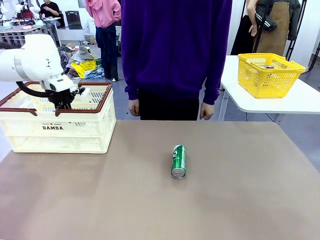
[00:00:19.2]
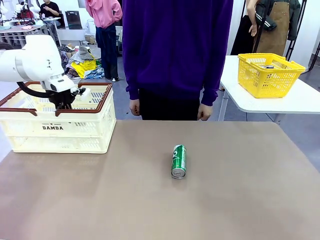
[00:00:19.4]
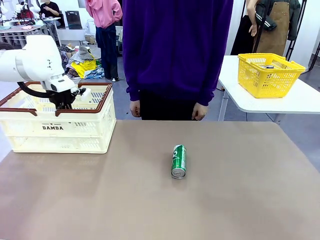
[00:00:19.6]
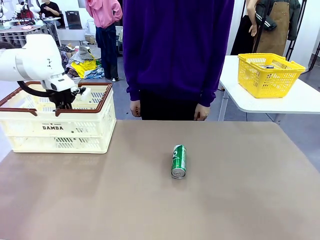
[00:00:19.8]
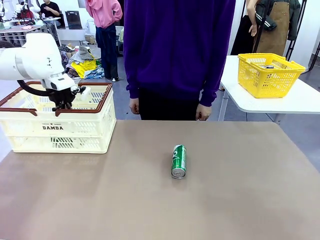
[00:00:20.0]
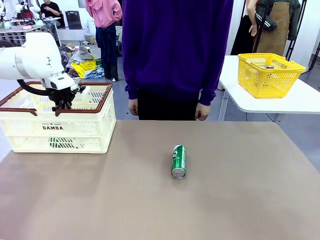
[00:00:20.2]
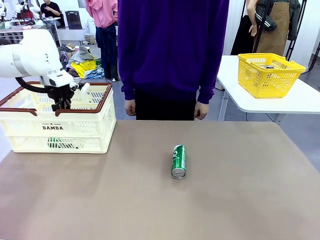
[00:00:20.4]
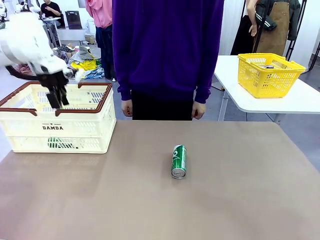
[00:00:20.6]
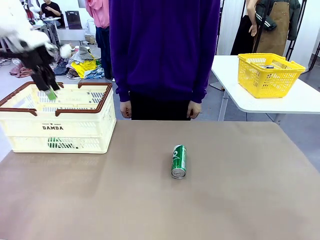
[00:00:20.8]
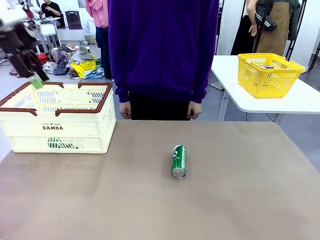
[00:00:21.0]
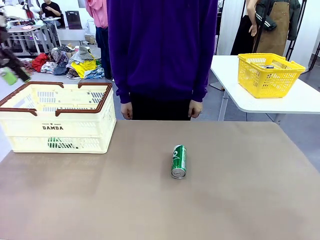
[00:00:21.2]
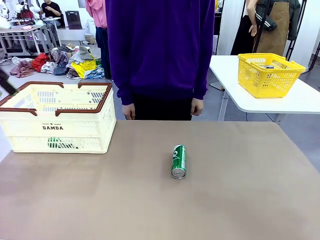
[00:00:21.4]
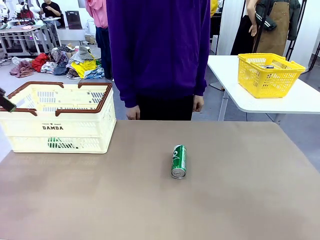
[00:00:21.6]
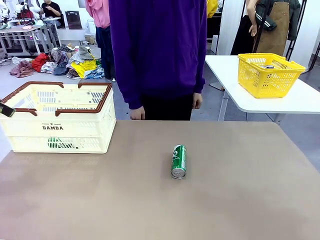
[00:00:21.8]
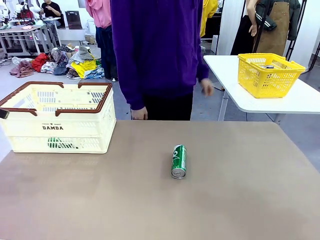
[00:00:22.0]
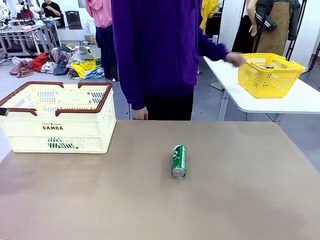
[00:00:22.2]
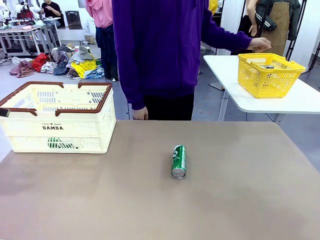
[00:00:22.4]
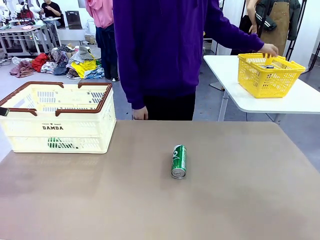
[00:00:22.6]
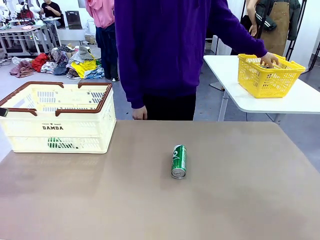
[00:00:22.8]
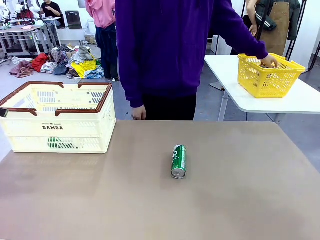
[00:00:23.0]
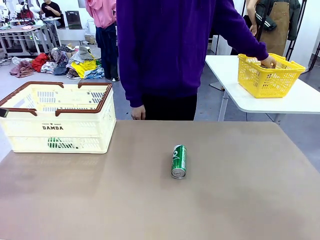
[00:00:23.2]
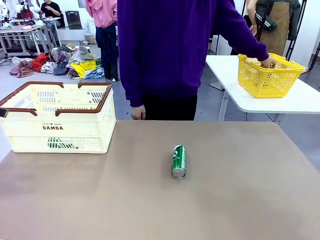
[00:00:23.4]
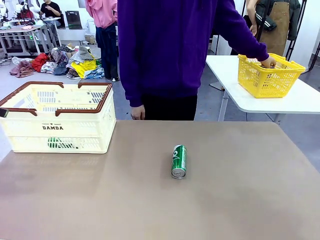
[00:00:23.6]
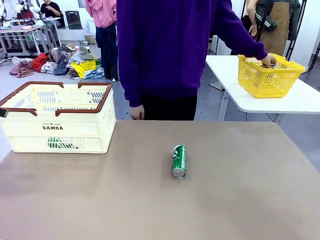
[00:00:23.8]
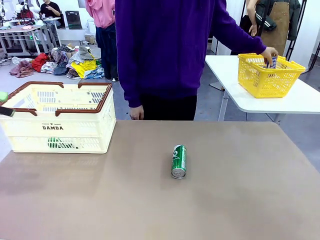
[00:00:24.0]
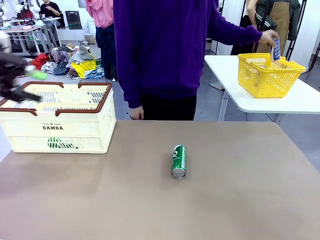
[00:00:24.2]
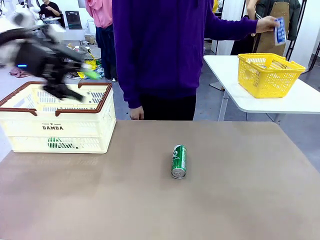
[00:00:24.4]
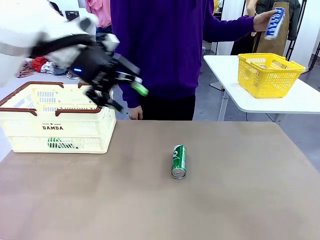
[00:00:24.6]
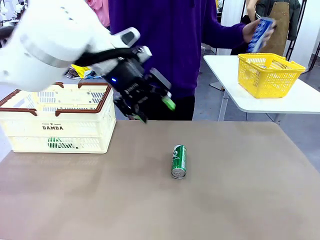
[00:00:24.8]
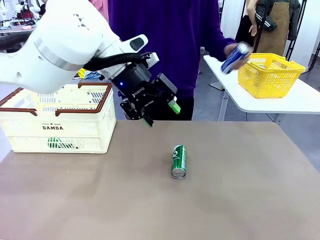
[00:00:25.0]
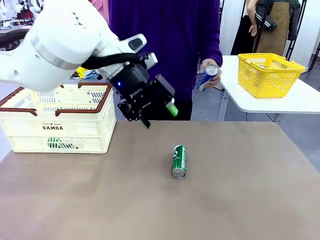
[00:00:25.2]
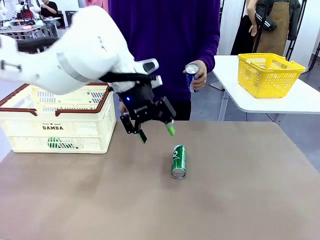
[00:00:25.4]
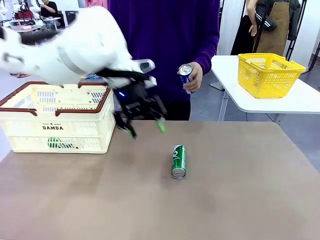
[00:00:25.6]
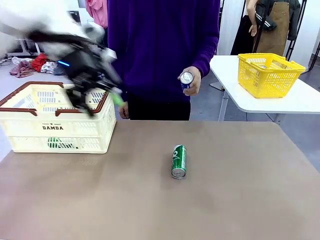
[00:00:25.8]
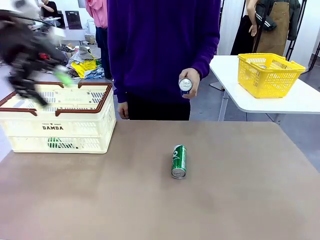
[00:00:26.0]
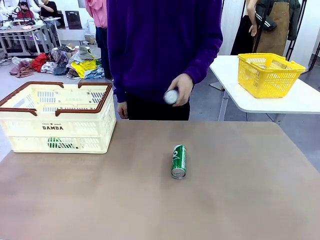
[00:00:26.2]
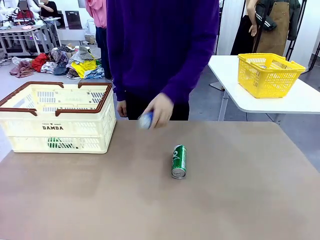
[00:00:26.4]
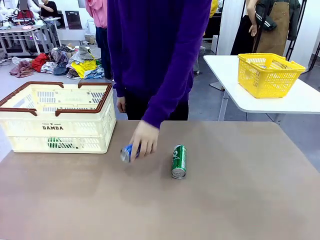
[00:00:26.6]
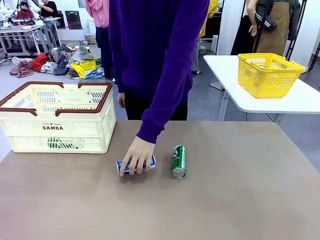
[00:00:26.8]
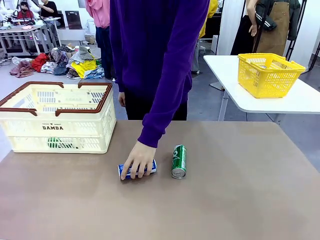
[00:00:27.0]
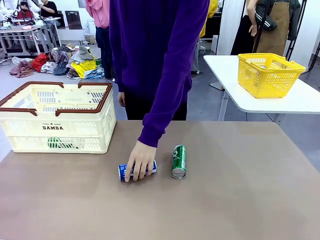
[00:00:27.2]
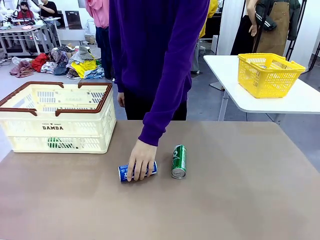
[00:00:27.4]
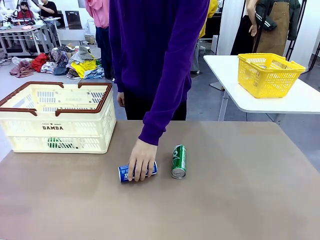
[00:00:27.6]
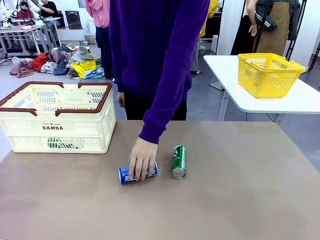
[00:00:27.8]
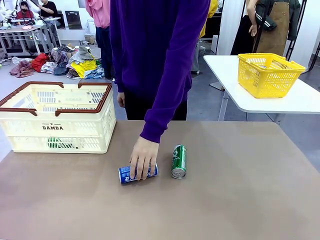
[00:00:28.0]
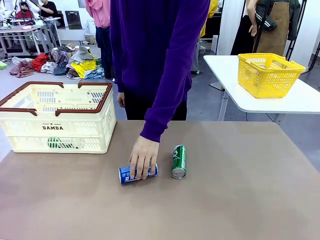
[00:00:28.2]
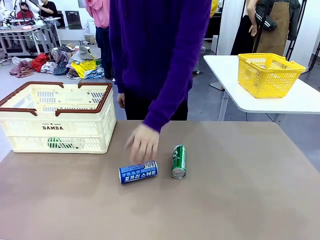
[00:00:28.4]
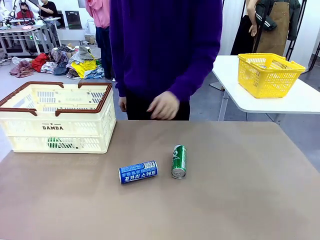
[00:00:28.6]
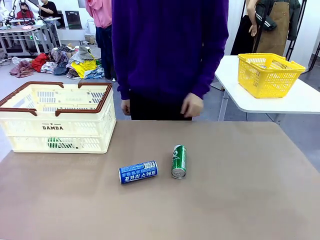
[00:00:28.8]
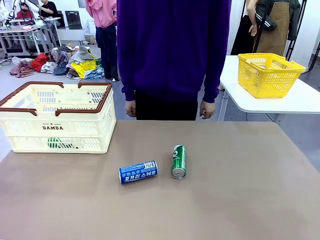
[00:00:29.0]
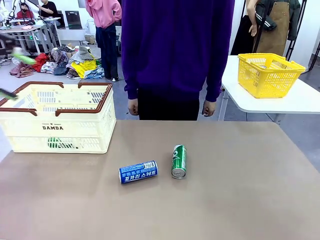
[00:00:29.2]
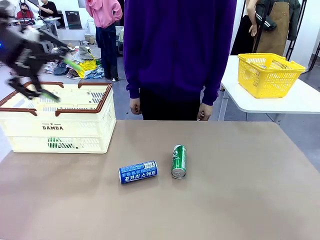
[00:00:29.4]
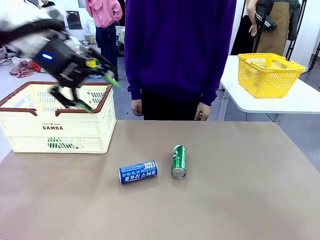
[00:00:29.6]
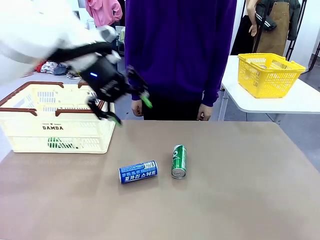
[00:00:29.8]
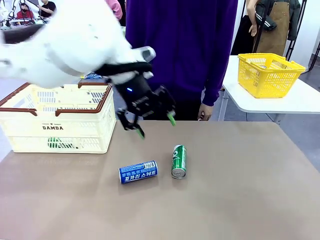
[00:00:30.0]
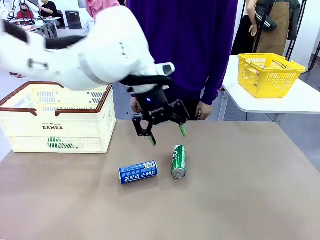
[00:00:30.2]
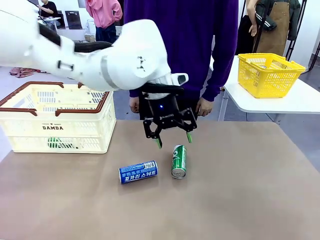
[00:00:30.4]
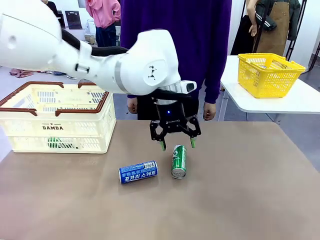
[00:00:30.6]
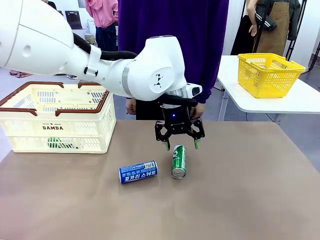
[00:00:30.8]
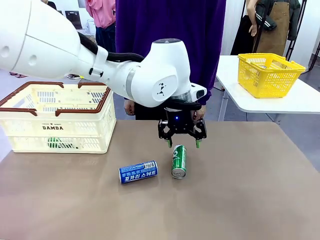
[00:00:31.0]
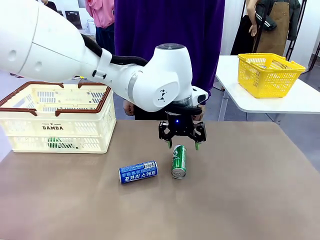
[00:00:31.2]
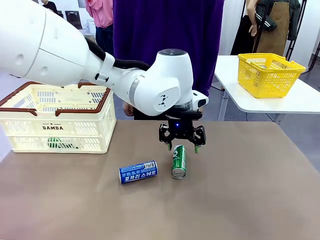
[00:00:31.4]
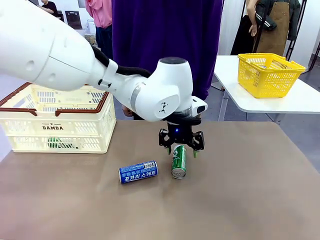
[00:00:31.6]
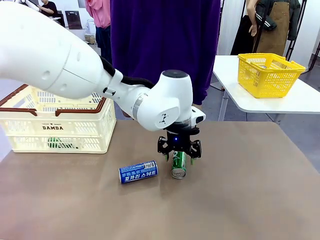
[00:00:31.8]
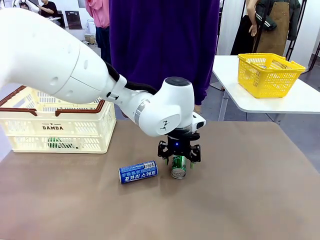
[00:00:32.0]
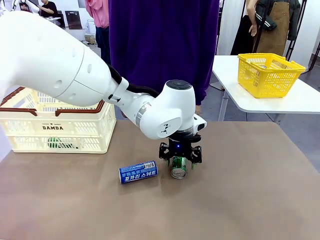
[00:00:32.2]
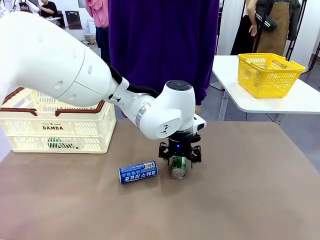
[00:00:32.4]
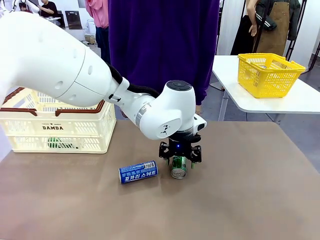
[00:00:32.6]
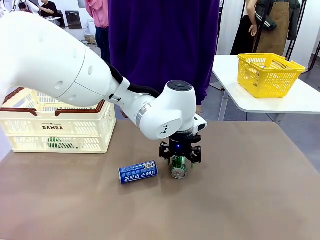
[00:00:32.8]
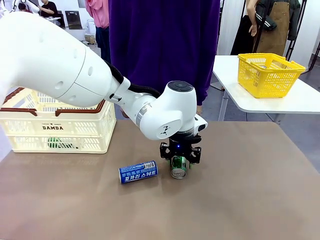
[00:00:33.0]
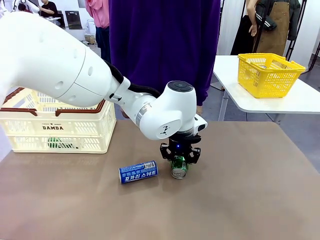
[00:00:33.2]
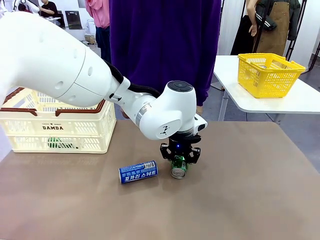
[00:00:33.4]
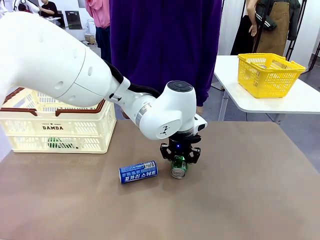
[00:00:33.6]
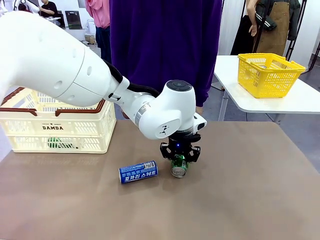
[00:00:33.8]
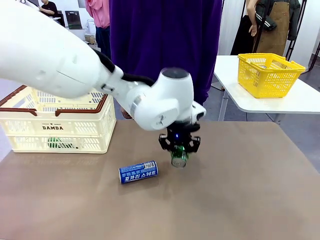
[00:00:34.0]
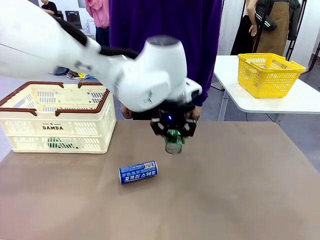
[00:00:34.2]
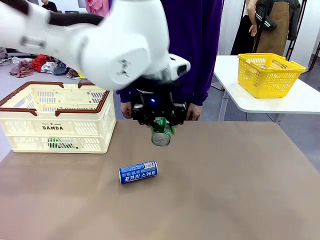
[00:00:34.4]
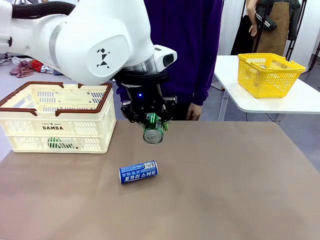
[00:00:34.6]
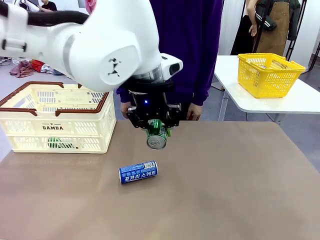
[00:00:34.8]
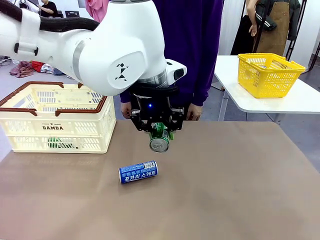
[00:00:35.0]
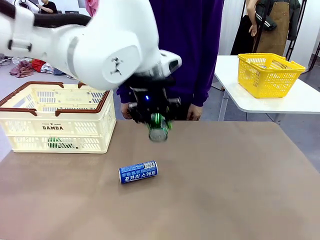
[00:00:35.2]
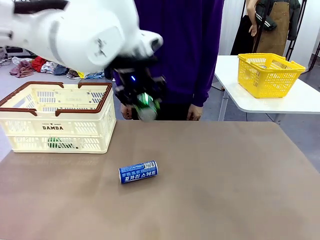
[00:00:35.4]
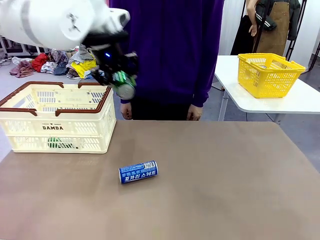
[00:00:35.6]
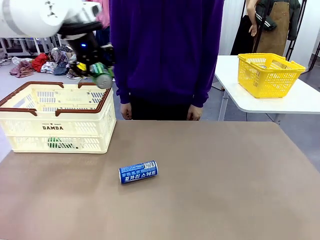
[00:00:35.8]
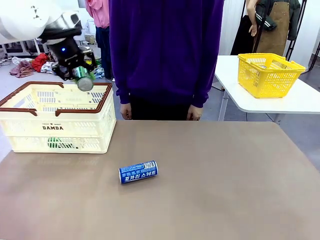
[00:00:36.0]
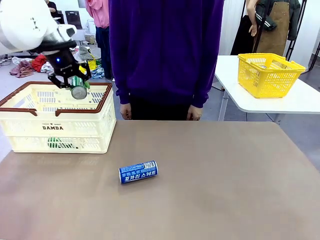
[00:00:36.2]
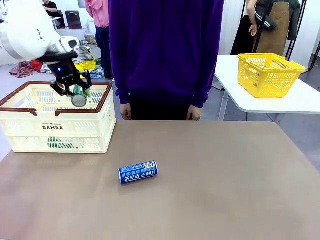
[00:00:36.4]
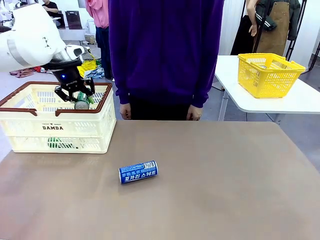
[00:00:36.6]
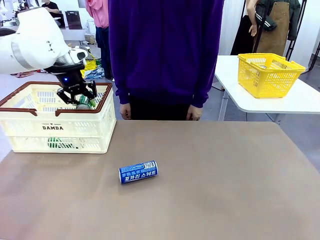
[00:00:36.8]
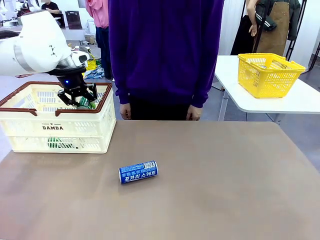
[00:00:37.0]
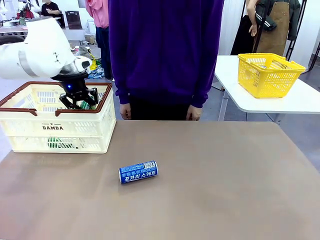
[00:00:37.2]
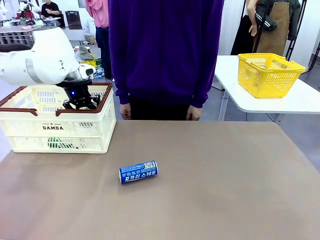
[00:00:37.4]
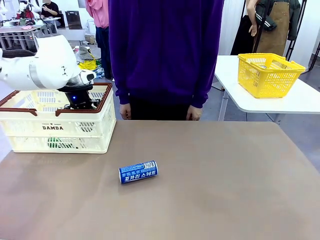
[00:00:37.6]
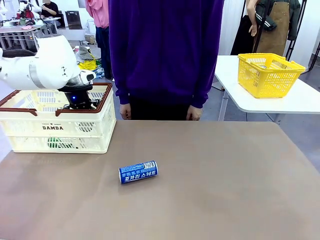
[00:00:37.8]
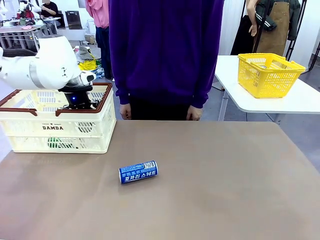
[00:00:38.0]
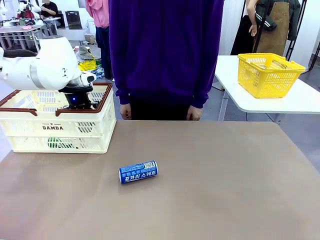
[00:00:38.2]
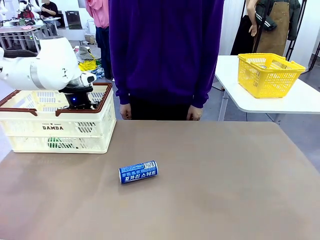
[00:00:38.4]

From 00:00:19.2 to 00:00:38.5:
Task: Place the drinks into the Shopping basket.
Robot: Pick up one drink and place it into the Shopping basket.
